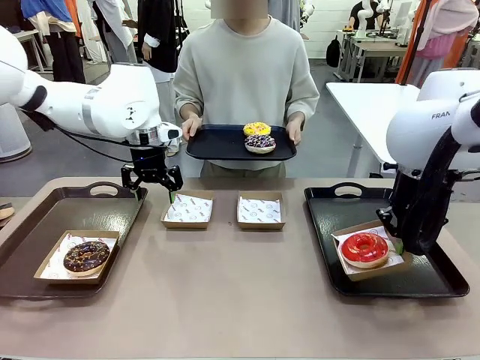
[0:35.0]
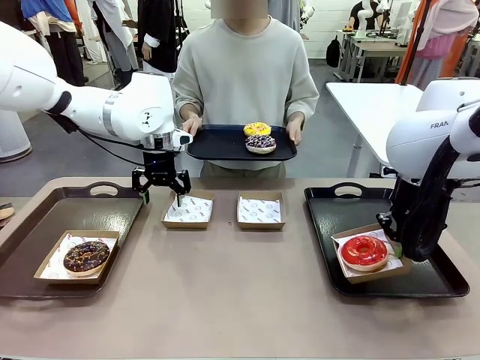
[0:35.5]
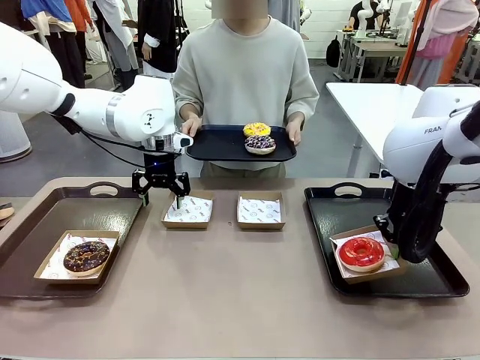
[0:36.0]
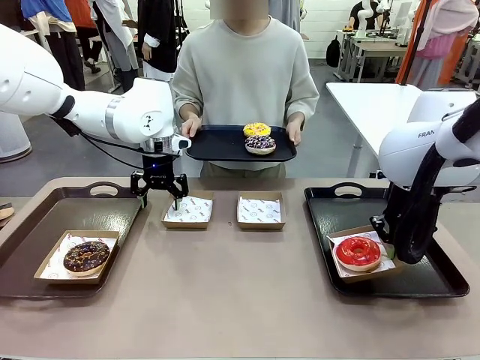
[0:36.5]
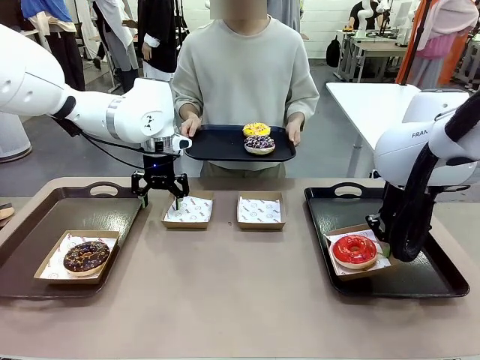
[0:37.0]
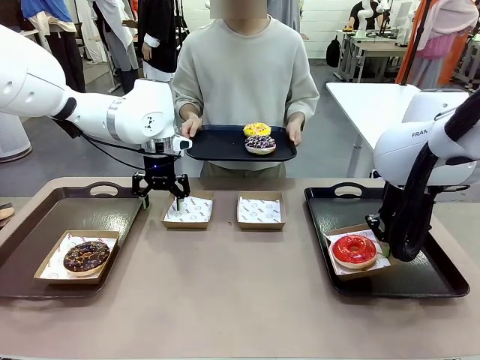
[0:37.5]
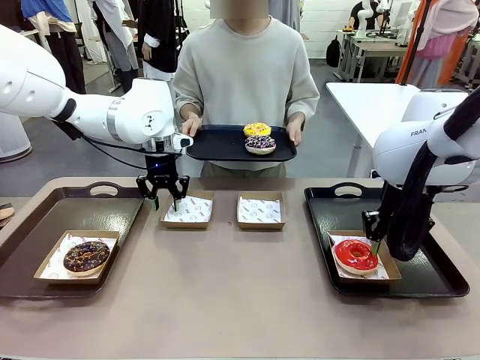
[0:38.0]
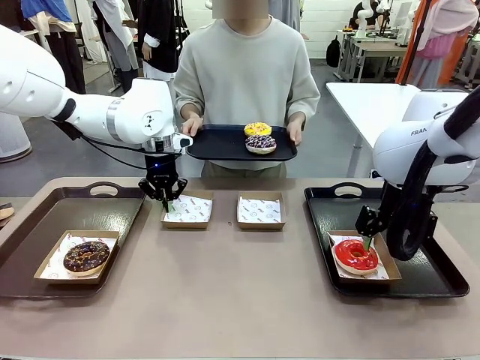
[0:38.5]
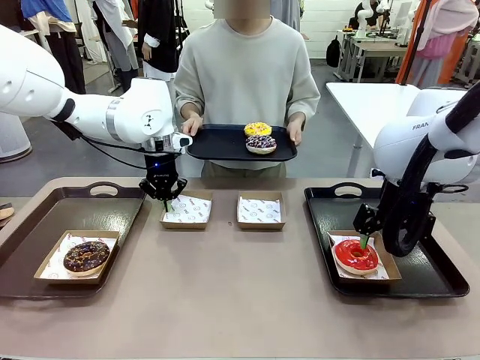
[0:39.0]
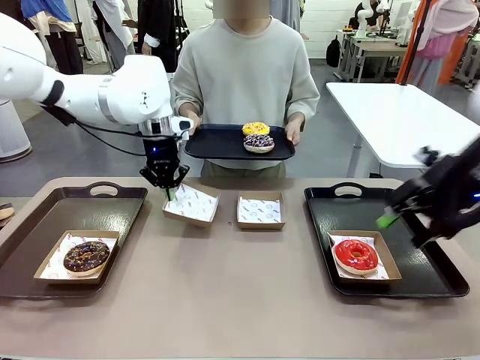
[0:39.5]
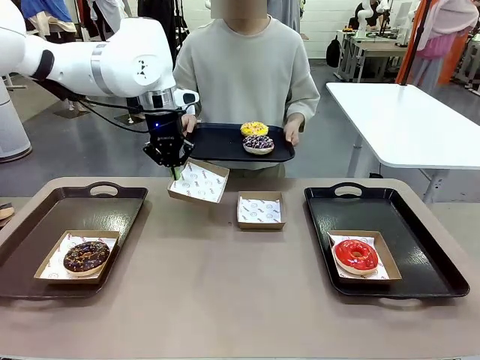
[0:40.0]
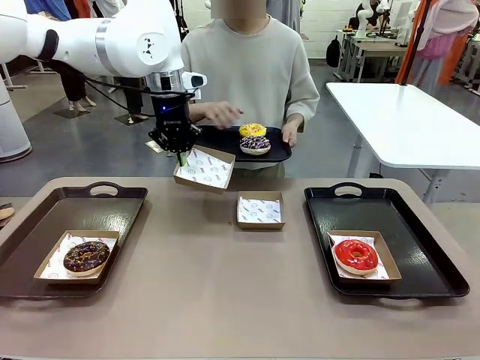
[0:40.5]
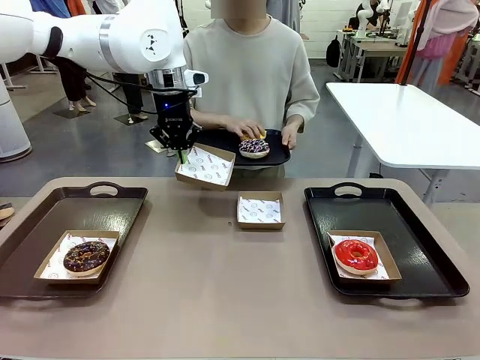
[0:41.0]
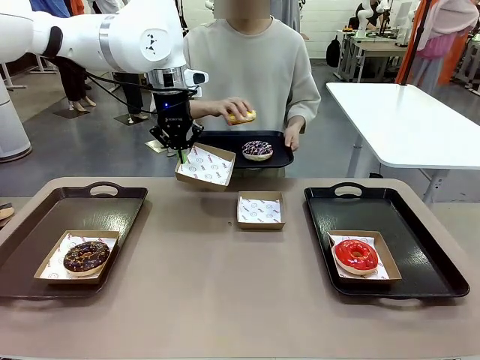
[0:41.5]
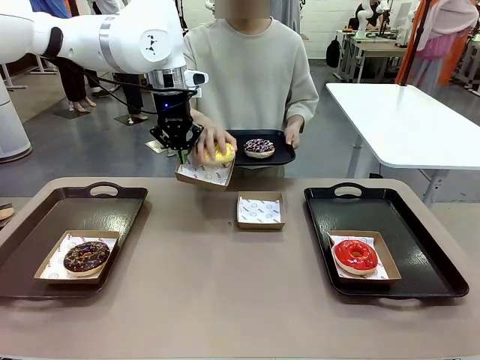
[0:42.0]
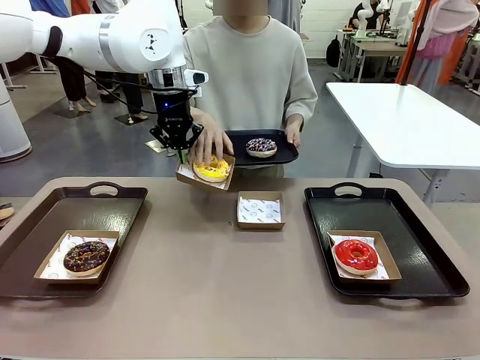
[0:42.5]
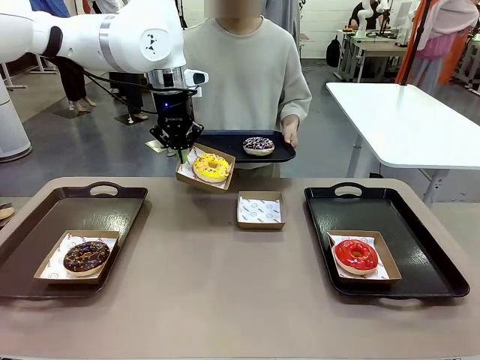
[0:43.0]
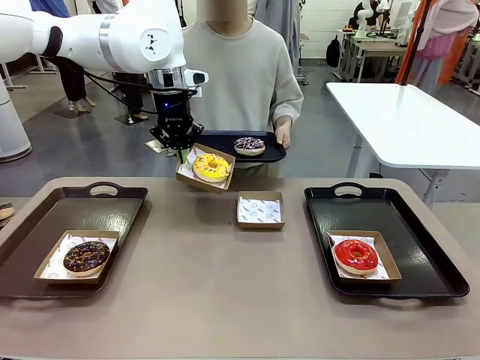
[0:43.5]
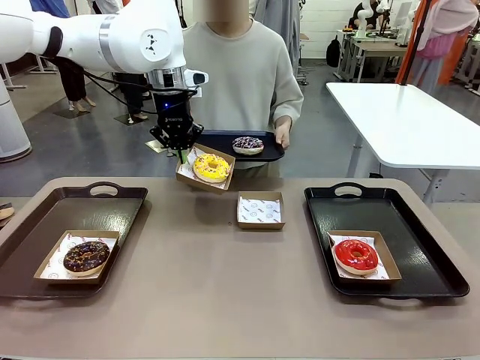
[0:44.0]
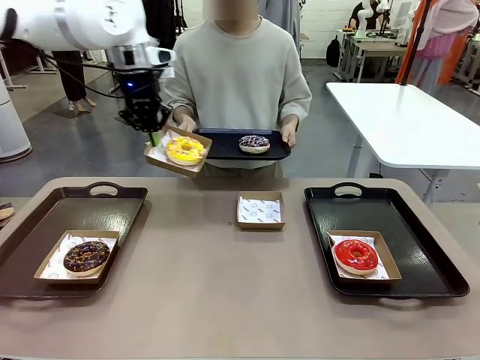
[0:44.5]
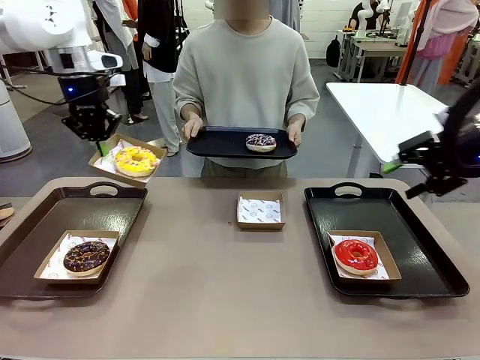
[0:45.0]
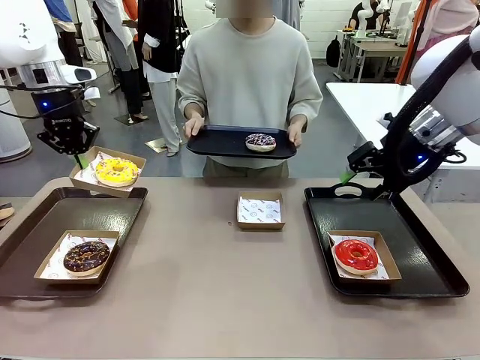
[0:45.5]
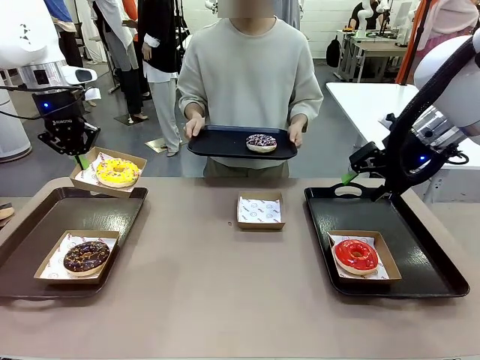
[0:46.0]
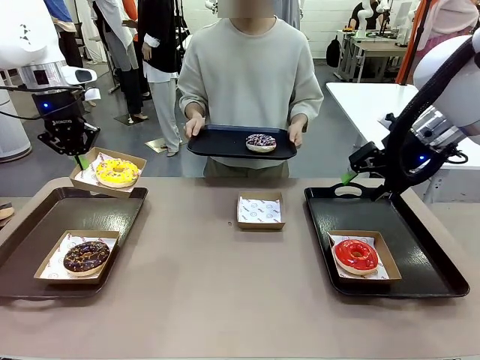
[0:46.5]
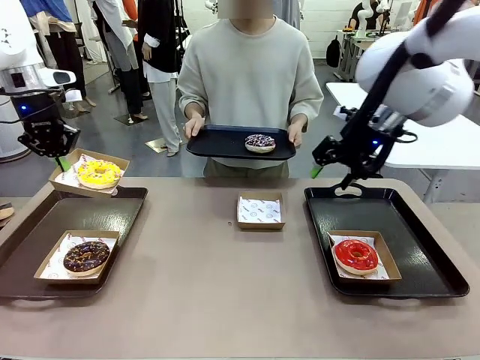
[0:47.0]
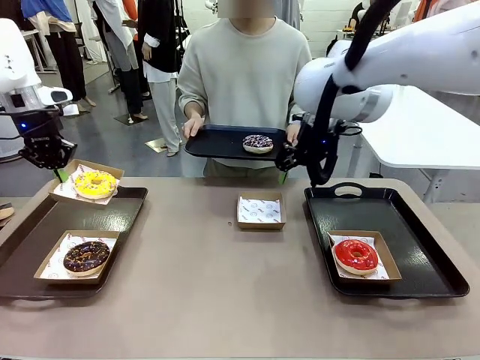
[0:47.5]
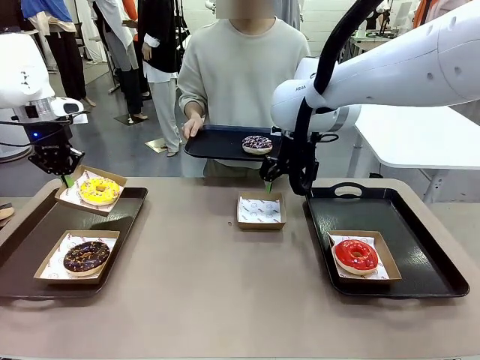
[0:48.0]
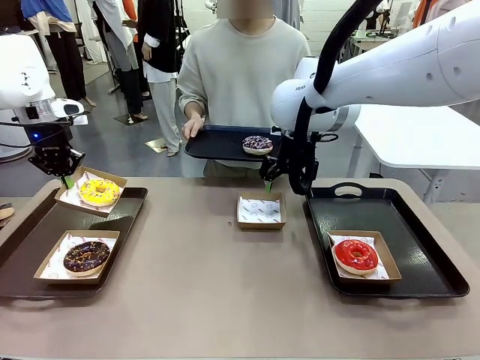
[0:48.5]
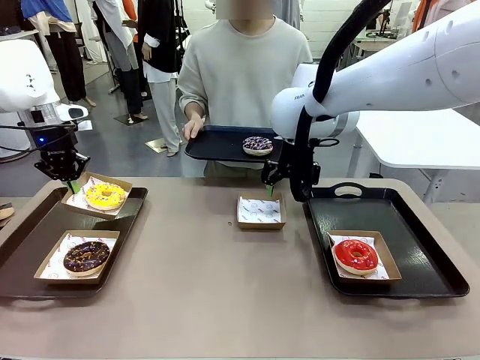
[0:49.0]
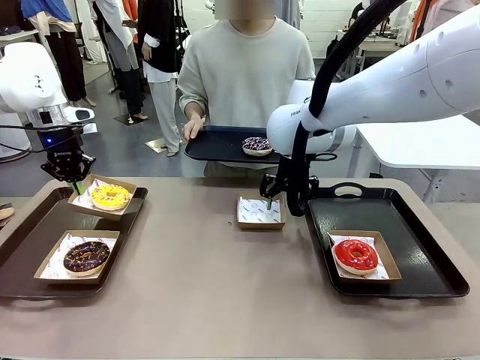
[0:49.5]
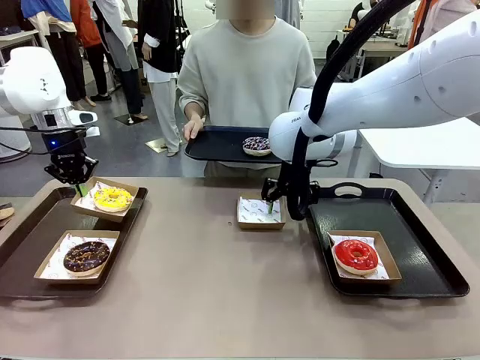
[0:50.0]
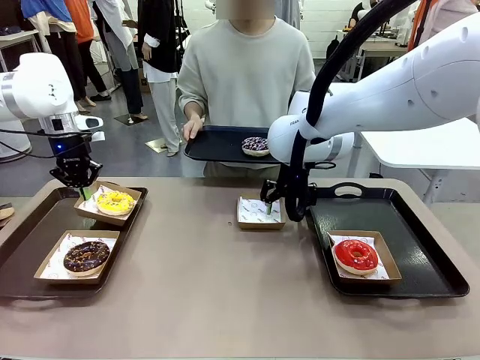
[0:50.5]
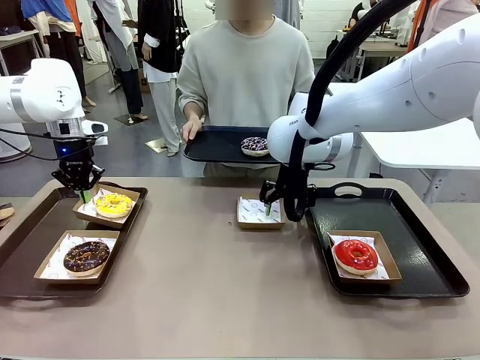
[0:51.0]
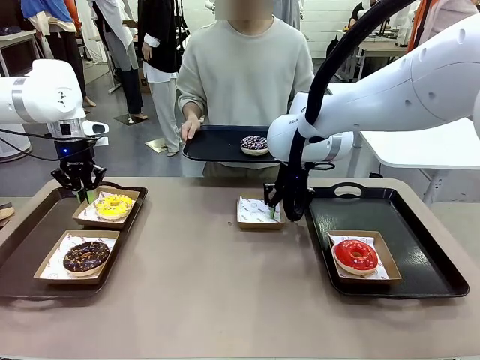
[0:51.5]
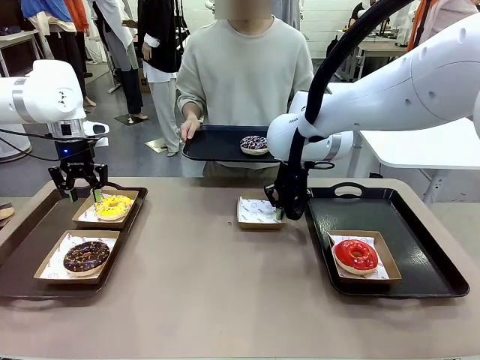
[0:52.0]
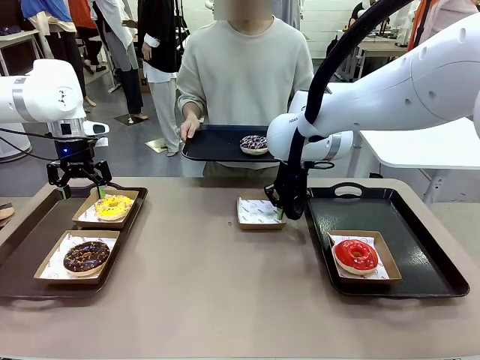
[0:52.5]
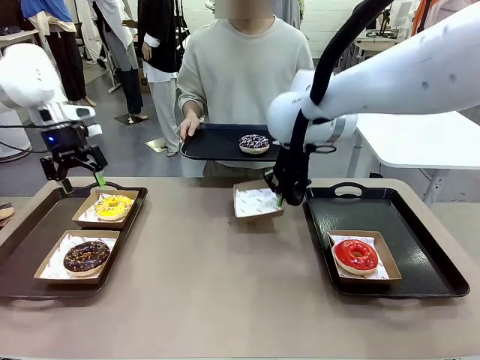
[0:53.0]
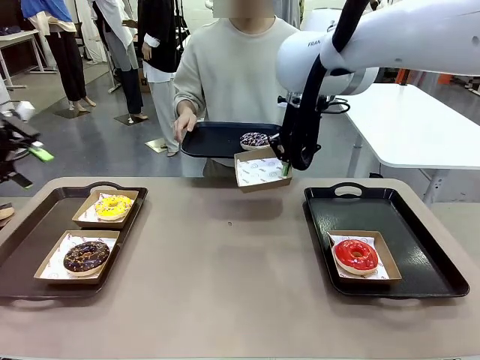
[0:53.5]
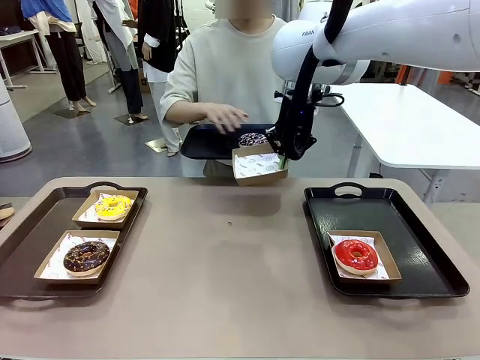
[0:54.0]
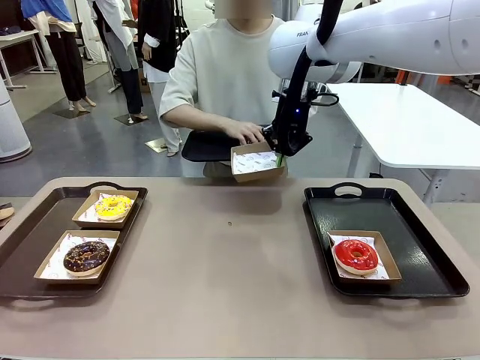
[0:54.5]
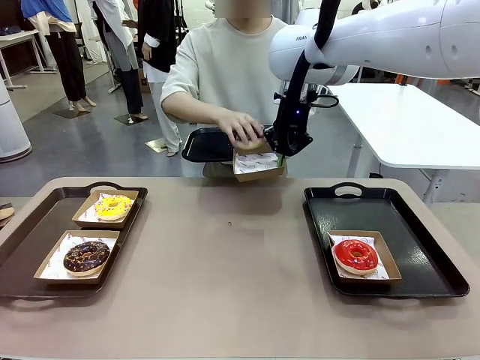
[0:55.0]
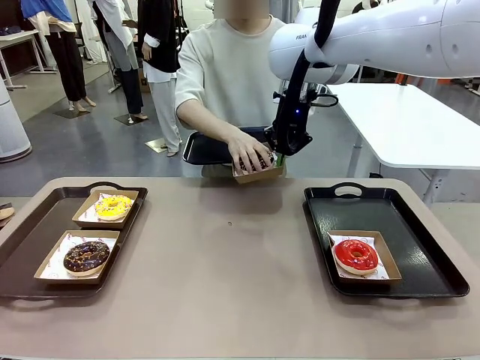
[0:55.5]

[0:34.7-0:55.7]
Task: Individually package the donuts and arrange them on the tray.
Robot: Place the picked Paper togo box on the Handle tray while simultaneously picking up another Paper togo box from the table with the other hand.

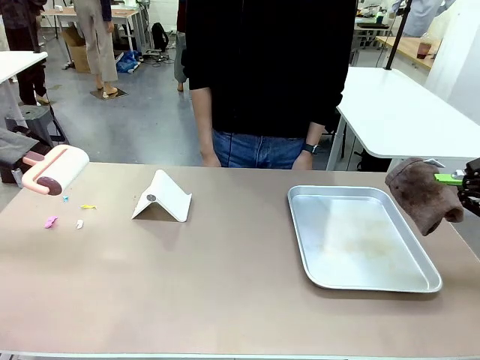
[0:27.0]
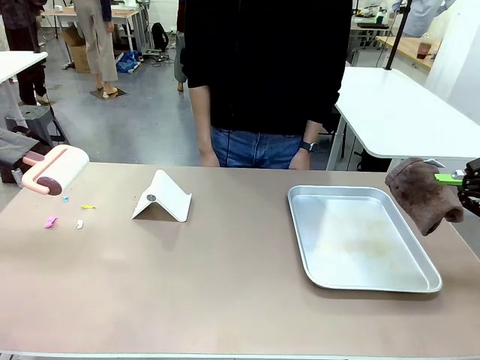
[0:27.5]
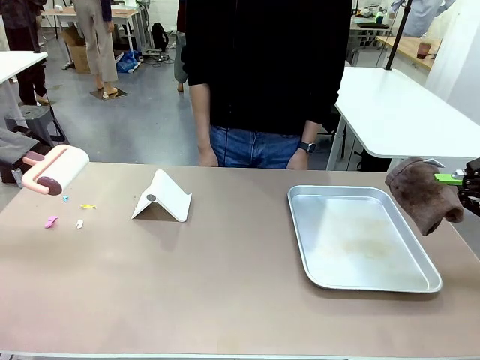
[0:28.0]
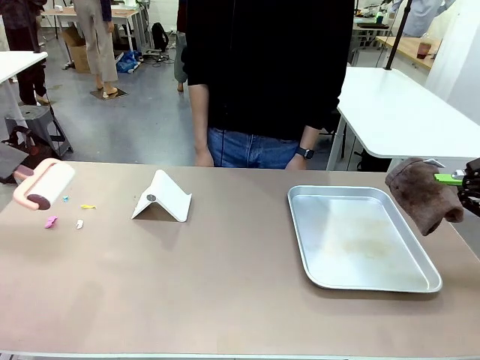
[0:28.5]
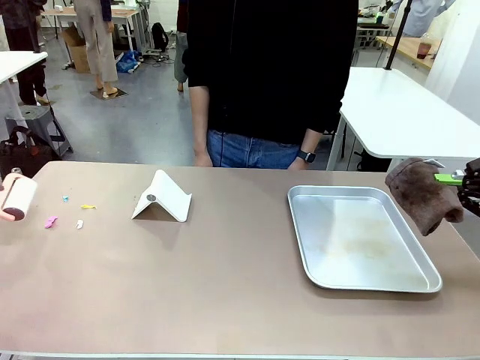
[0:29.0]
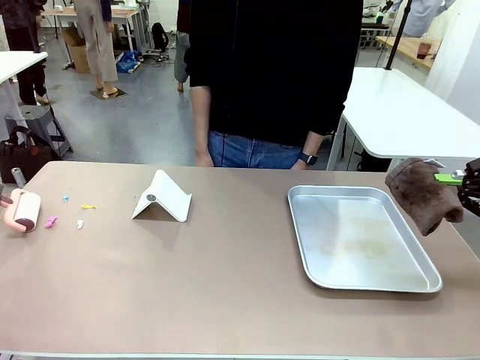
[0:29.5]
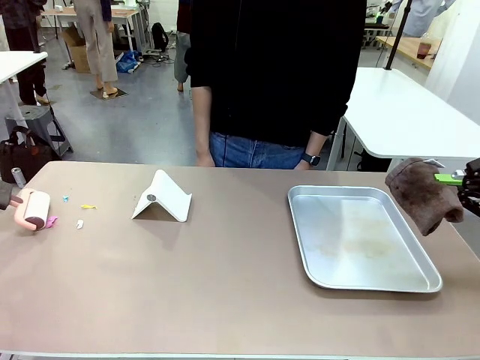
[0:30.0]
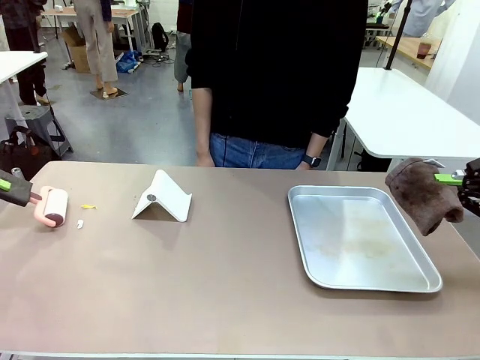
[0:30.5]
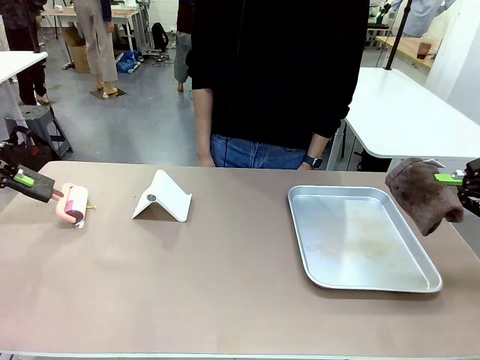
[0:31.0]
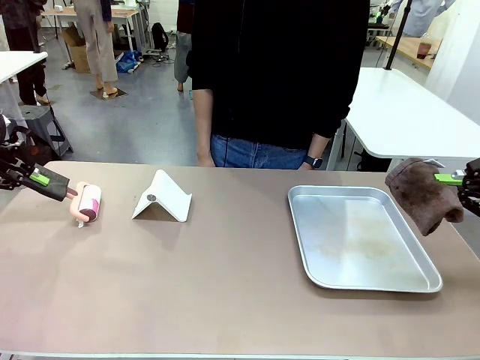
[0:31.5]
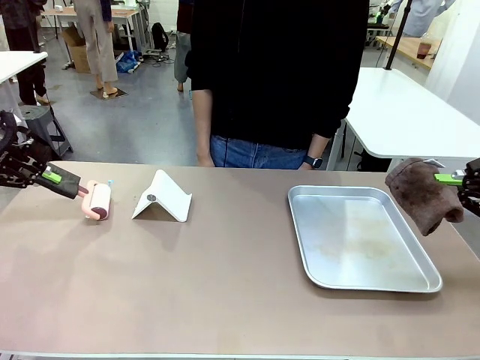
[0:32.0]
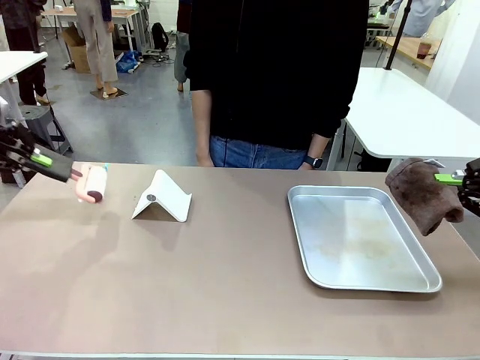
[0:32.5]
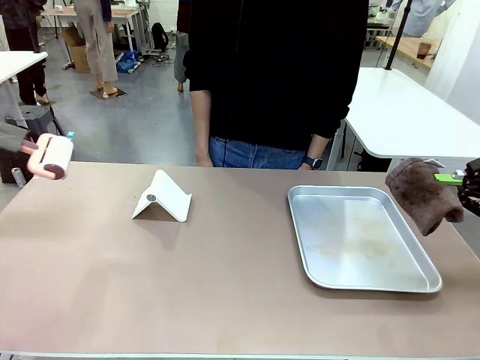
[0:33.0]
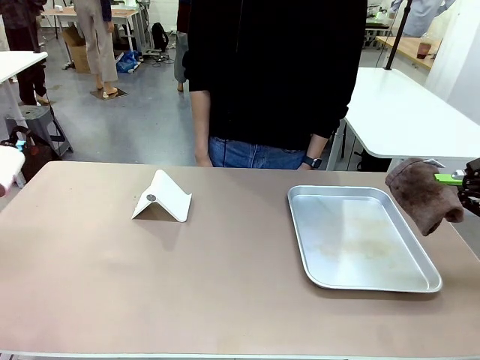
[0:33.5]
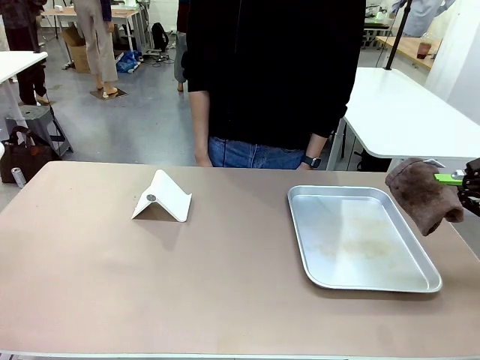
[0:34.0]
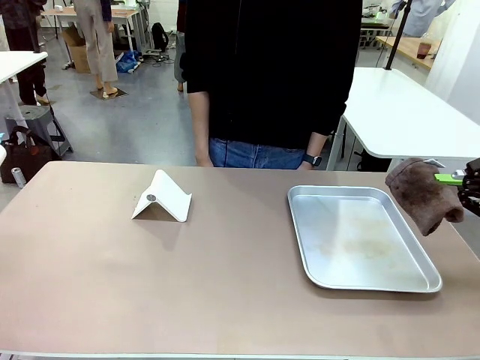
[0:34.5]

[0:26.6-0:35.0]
Task: Clean the surface of the table.
Robot: Clean the area not pointed to by the person.
